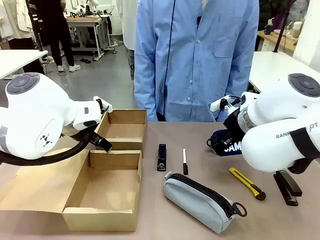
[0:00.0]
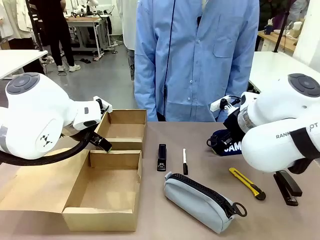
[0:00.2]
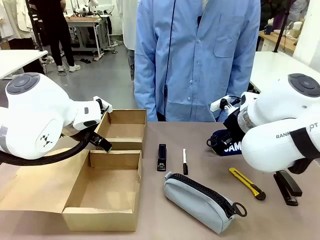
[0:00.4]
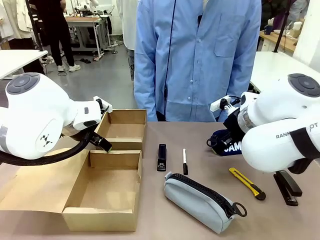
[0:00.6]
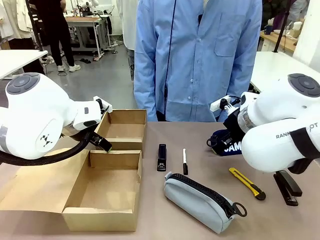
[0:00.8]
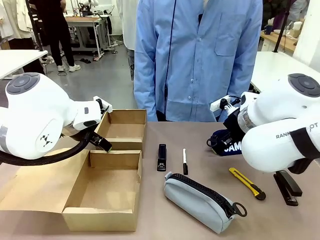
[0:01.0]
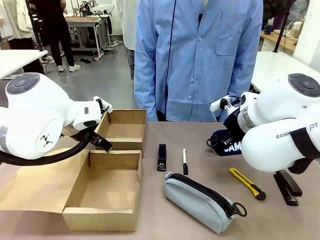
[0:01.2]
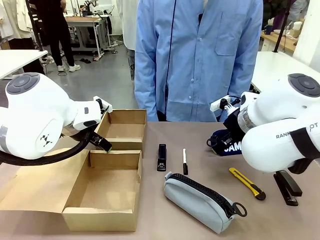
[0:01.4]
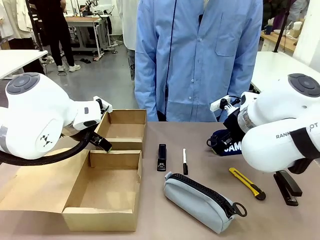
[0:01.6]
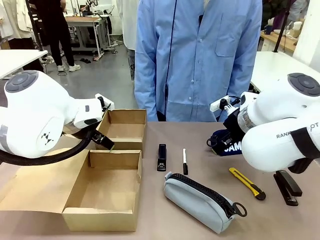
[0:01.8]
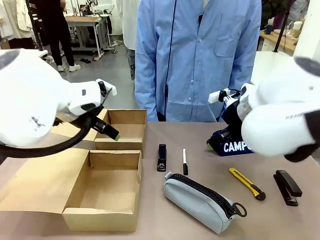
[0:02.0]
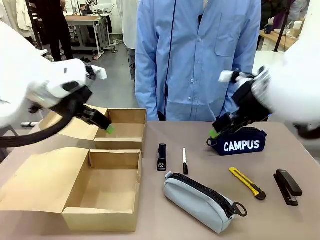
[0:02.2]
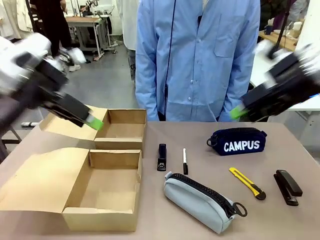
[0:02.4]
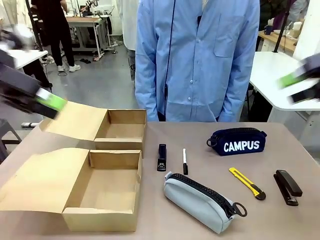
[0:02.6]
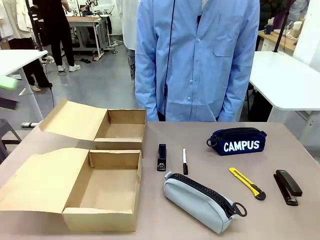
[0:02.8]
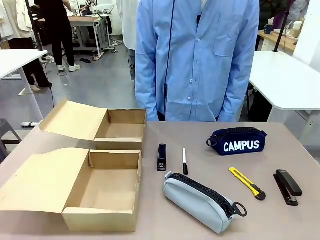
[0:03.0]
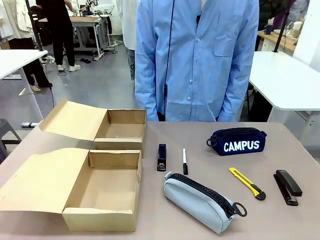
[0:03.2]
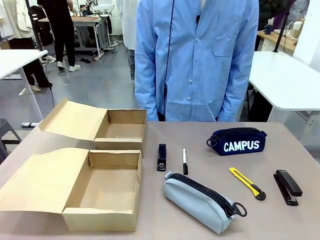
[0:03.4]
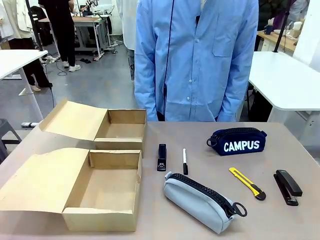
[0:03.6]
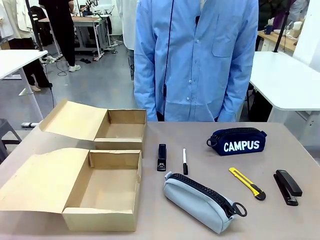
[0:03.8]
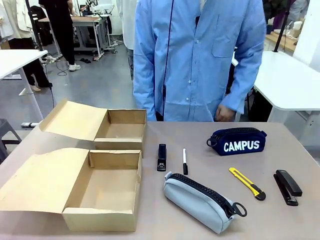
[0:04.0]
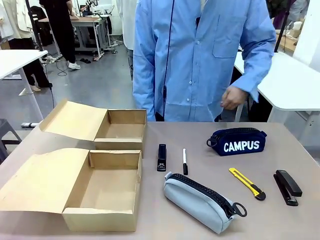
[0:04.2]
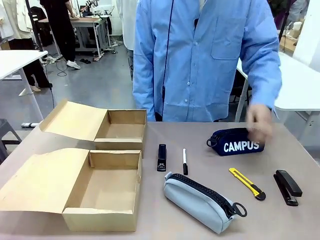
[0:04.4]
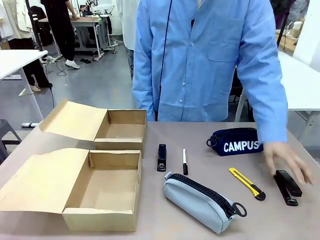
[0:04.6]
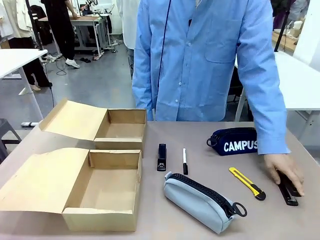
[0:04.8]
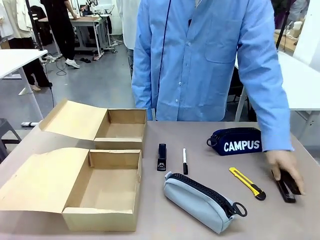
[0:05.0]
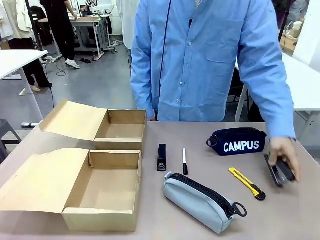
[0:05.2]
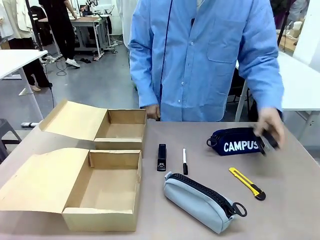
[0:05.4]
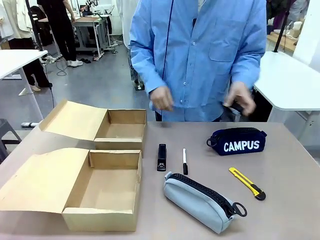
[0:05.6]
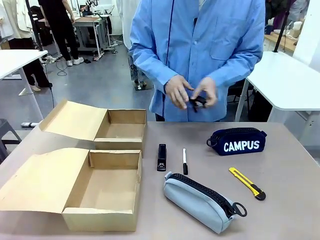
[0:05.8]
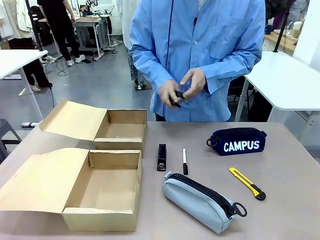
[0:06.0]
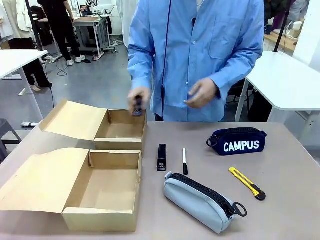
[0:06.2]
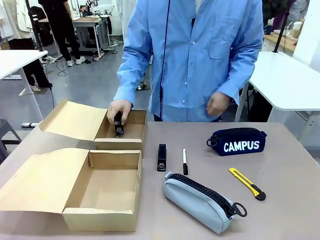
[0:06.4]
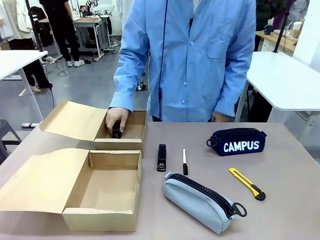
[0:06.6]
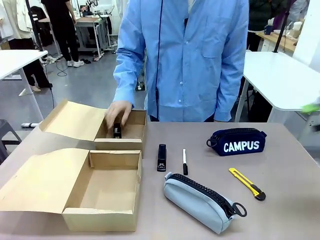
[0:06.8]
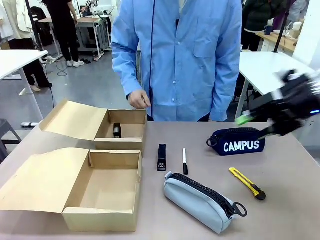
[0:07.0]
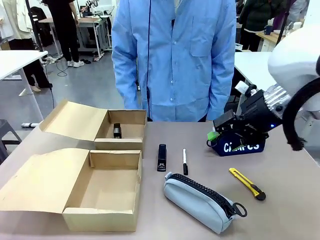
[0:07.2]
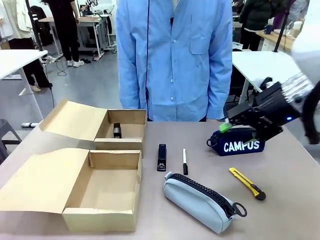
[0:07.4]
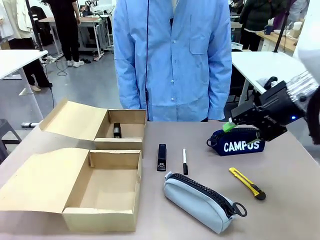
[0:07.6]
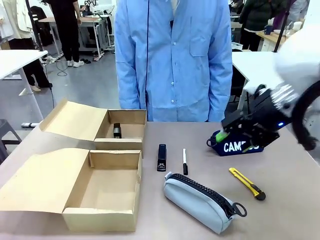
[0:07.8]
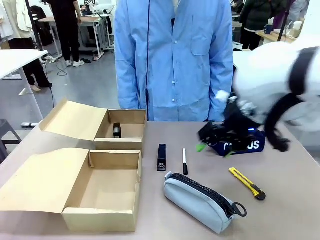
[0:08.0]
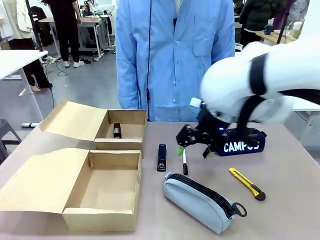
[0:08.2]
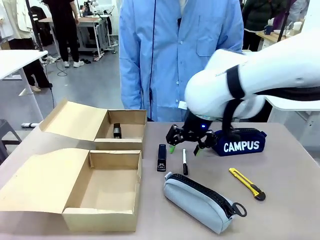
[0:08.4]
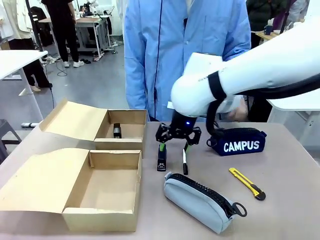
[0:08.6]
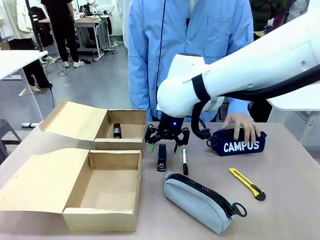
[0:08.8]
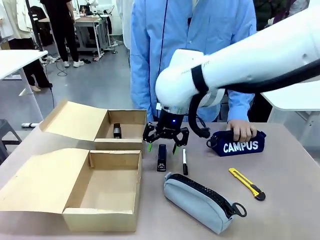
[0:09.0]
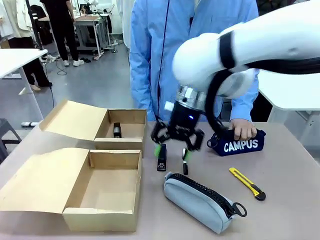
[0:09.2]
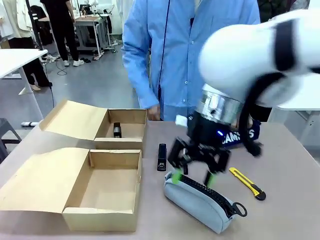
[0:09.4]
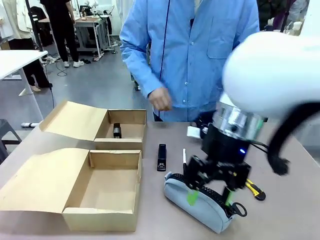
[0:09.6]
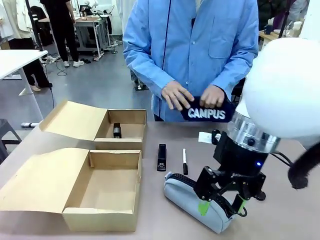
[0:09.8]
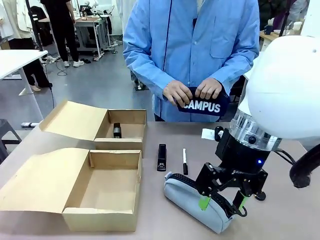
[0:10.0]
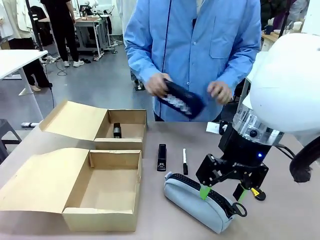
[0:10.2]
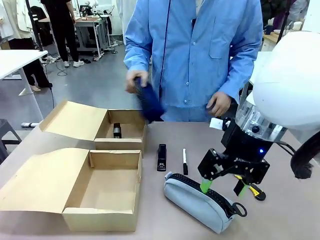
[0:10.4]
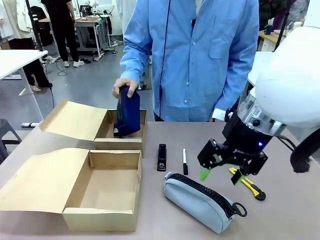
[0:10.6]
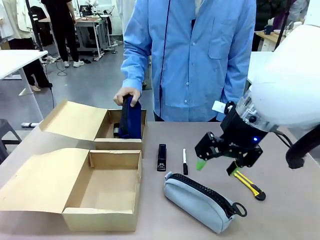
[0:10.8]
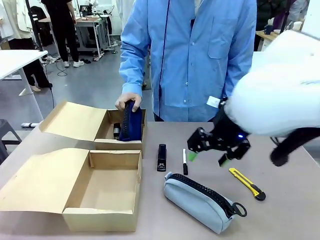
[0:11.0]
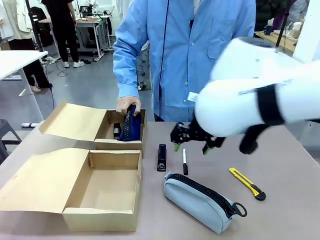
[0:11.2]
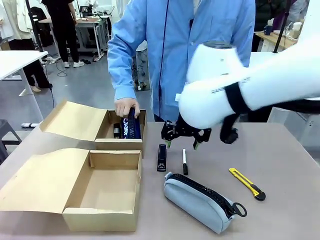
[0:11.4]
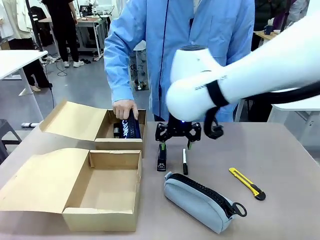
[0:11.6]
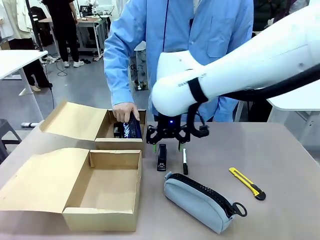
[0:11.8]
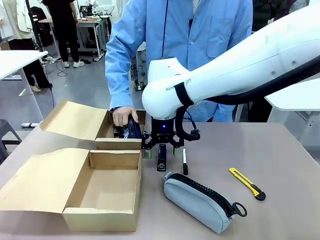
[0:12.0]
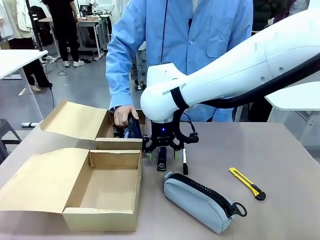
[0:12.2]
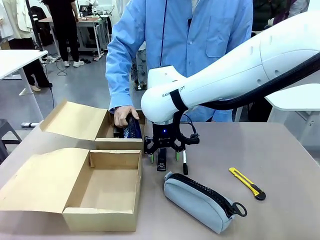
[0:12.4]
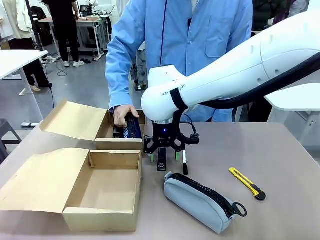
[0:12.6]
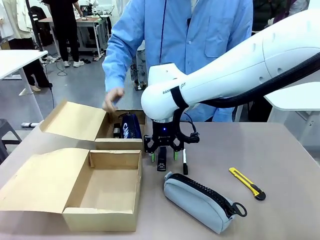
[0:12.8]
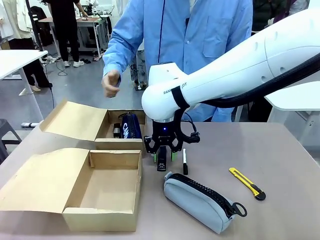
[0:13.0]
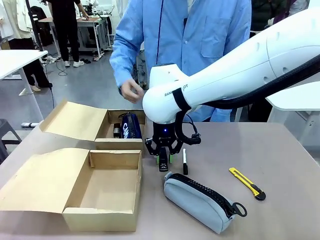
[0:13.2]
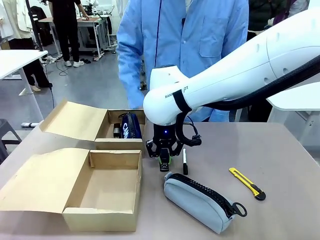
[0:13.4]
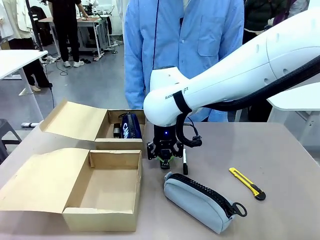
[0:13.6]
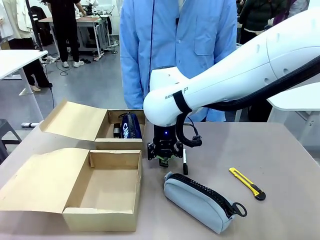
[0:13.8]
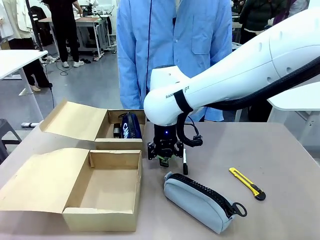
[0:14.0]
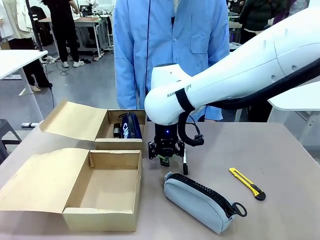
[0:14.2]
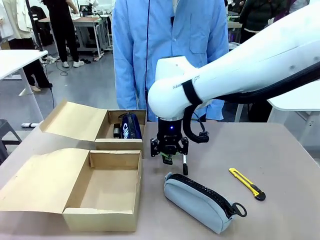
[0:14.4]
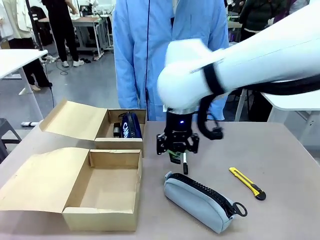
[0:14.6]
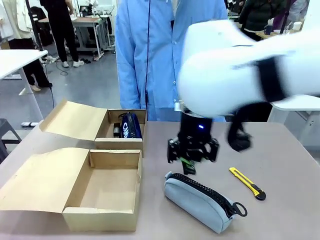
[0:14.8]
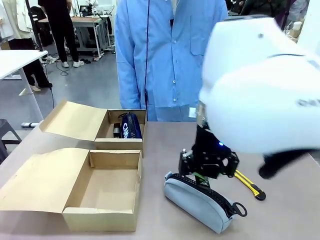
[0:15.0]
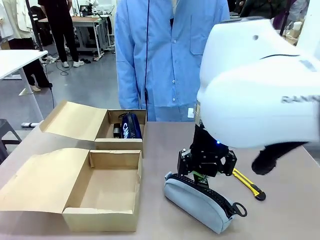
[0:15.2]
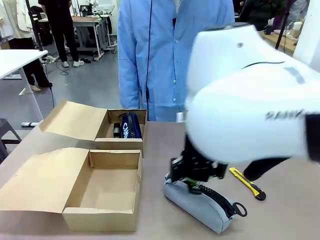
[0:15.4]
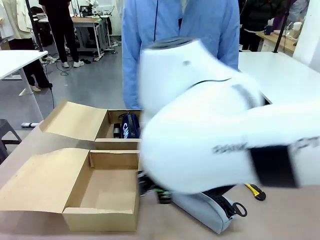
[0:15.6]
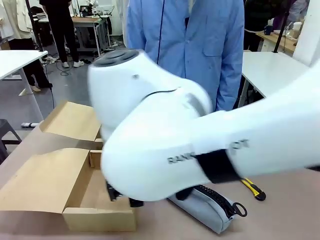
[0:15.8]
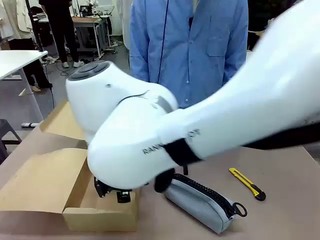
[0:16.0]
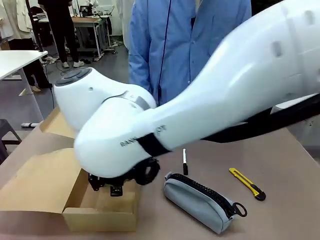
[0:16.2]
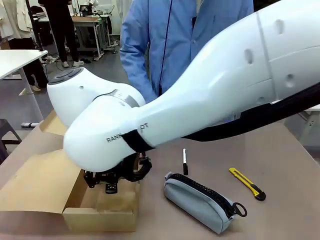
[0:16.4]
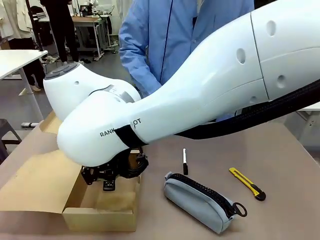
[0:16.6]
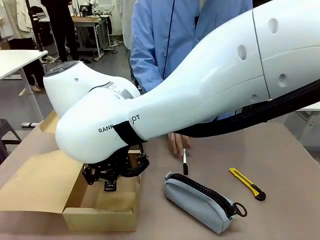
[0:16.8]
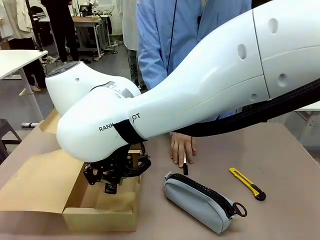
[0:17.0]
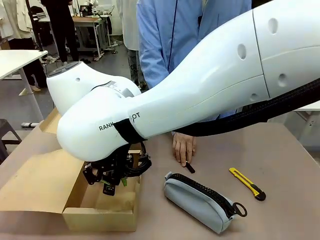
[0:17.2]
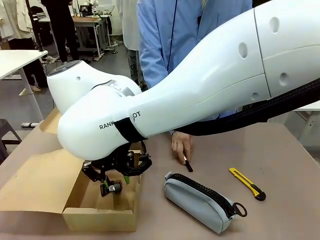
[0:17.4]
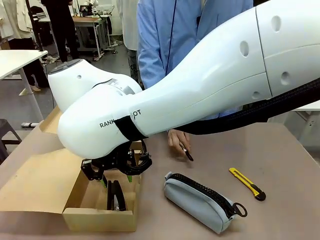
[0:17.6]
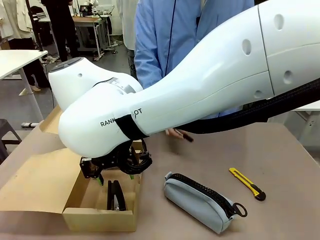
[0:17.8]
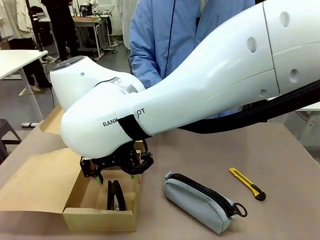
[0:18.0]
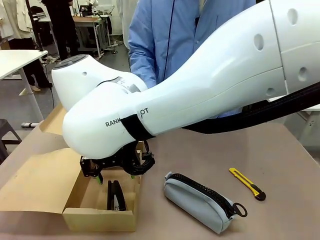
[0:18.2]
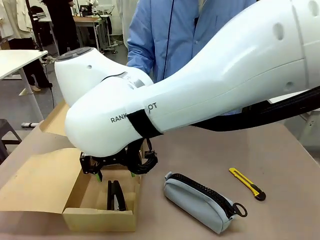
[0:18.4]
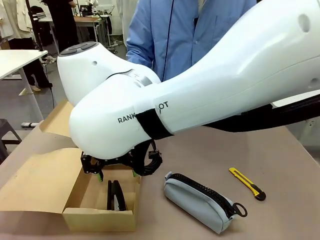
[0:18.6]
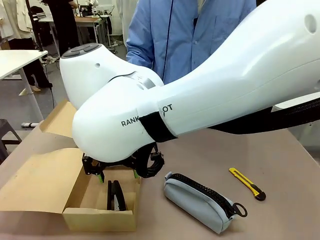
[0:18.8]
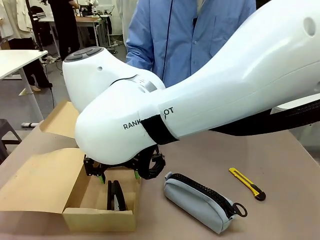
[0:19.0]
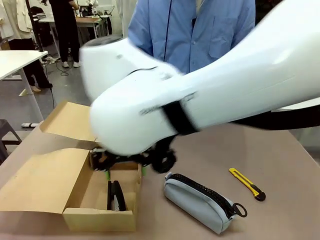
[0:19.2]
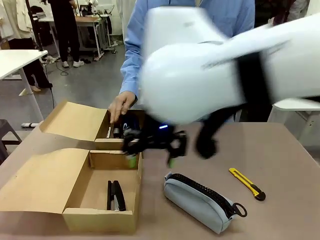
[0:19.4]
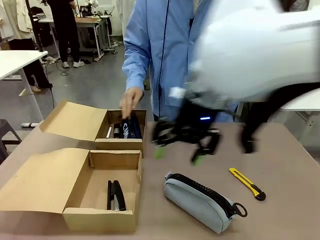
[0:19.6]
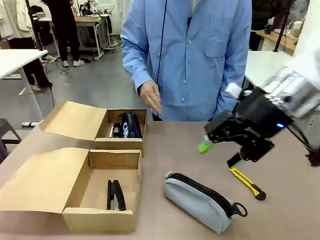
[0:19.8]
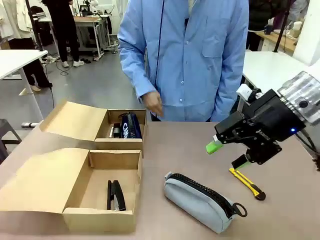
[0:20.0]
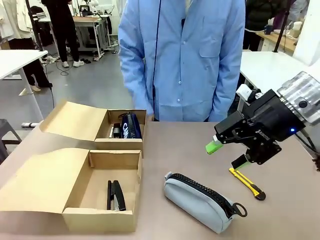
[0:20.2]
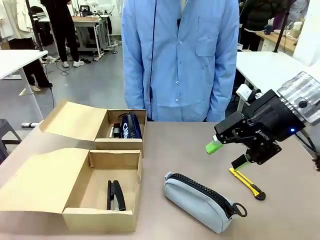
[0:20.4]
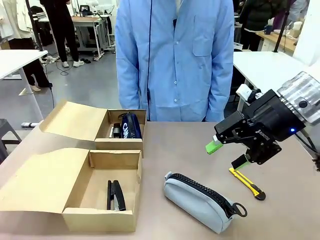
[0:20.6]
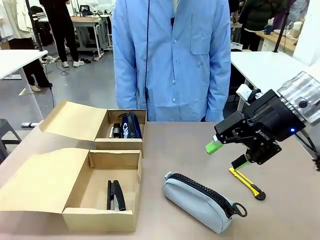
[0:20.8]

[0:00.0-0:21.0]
Task: Place items inside the box.
Robot: Pick up a Pencil pouch or Stapler and place it inside the Mailer Box closest to the robot.
Person: Pick up an object on the table and put it in the box.
